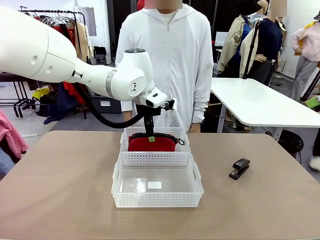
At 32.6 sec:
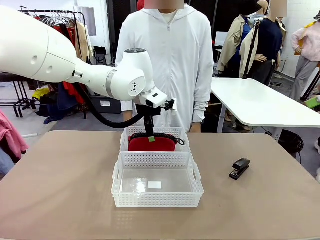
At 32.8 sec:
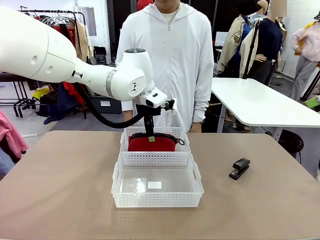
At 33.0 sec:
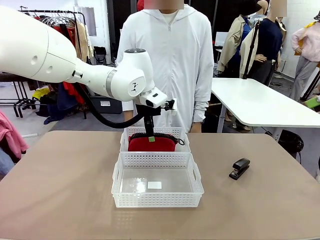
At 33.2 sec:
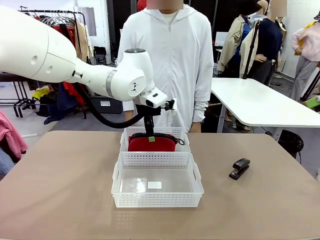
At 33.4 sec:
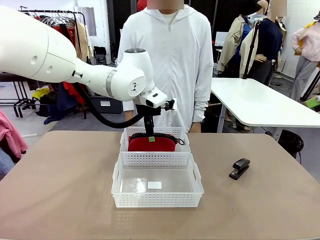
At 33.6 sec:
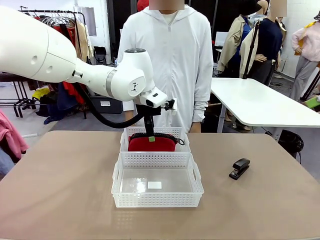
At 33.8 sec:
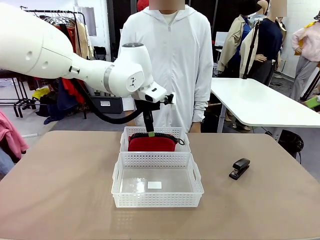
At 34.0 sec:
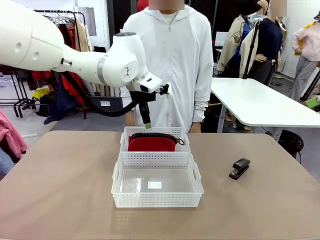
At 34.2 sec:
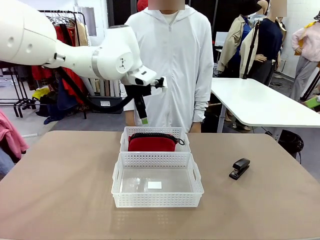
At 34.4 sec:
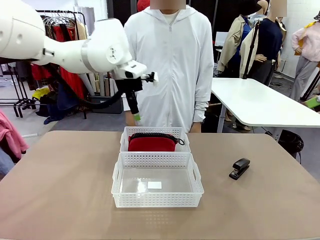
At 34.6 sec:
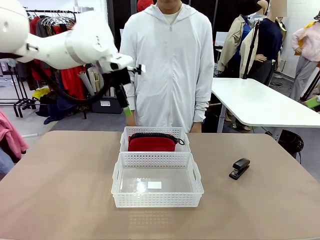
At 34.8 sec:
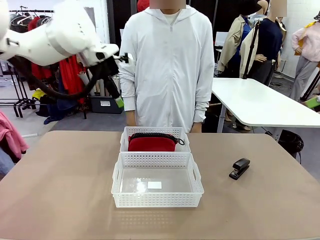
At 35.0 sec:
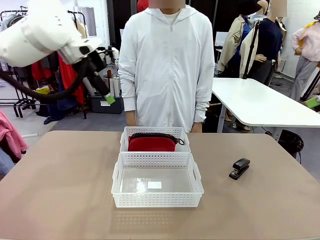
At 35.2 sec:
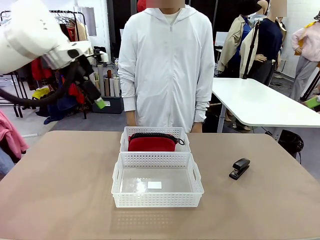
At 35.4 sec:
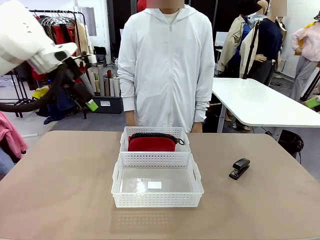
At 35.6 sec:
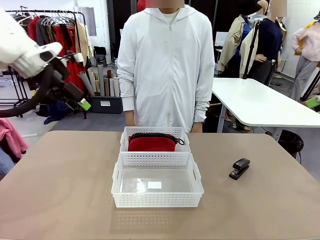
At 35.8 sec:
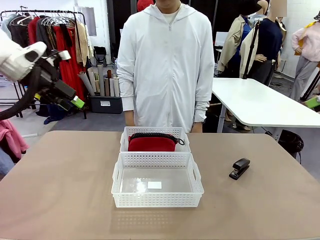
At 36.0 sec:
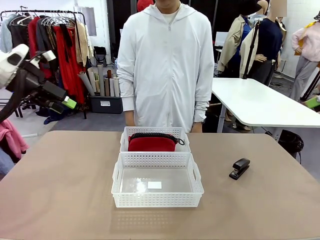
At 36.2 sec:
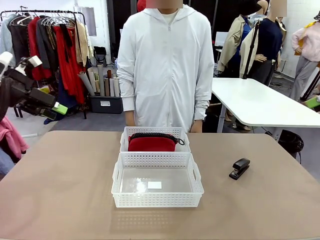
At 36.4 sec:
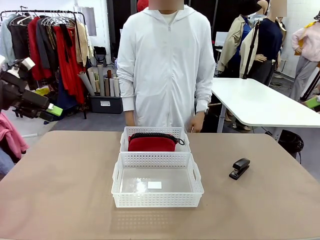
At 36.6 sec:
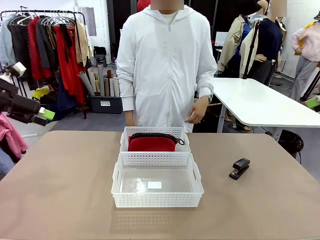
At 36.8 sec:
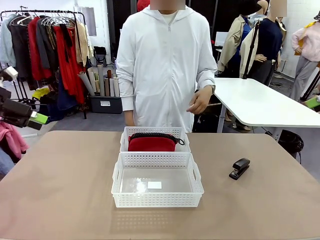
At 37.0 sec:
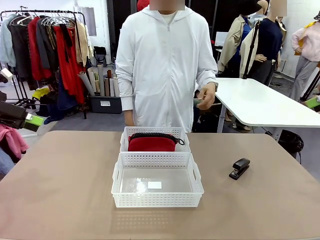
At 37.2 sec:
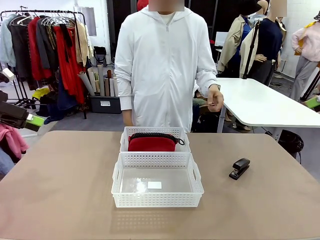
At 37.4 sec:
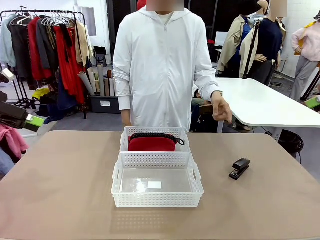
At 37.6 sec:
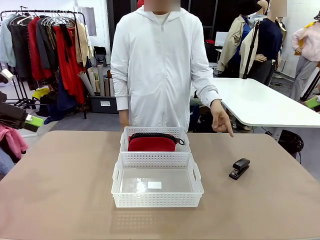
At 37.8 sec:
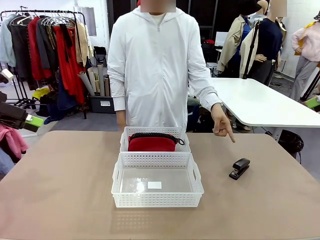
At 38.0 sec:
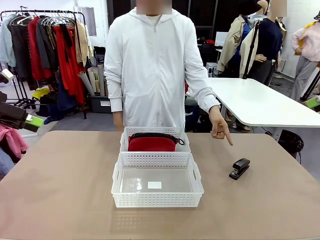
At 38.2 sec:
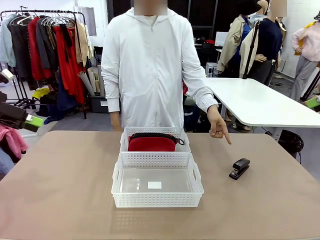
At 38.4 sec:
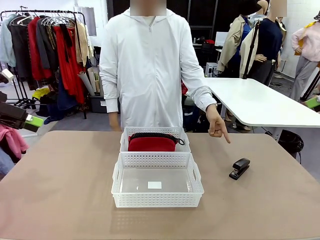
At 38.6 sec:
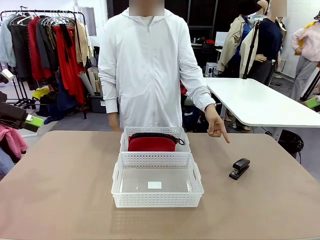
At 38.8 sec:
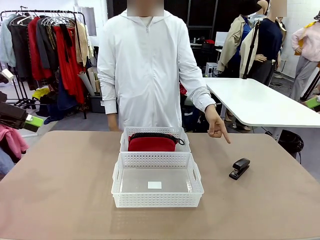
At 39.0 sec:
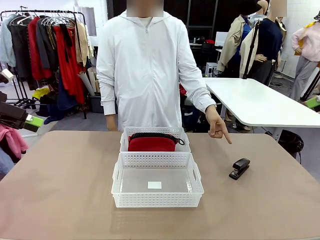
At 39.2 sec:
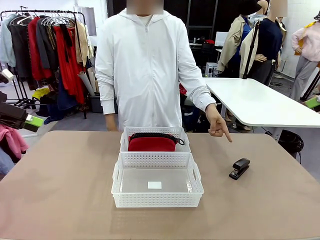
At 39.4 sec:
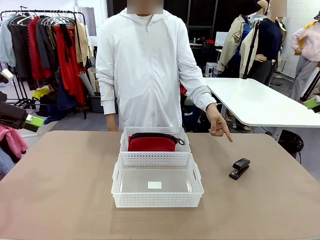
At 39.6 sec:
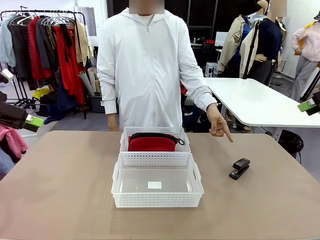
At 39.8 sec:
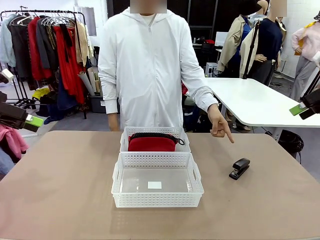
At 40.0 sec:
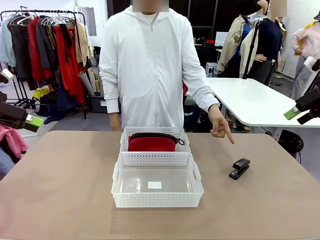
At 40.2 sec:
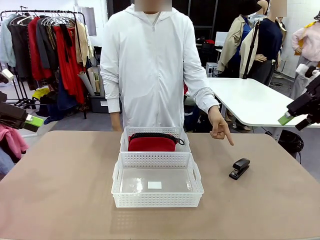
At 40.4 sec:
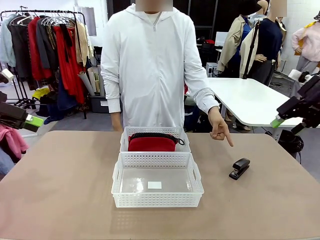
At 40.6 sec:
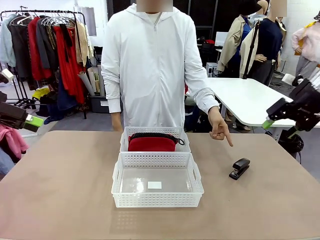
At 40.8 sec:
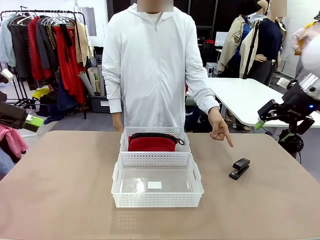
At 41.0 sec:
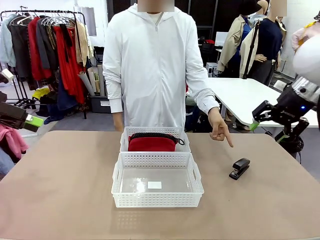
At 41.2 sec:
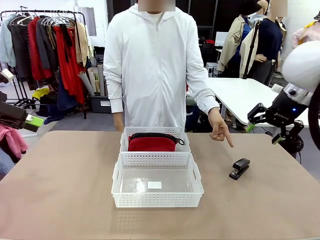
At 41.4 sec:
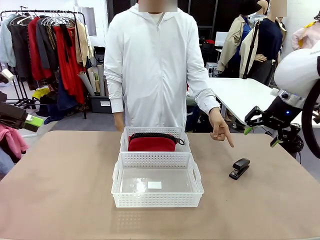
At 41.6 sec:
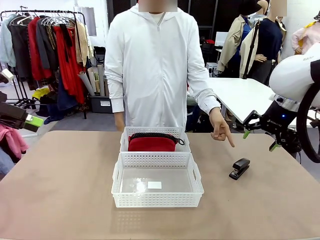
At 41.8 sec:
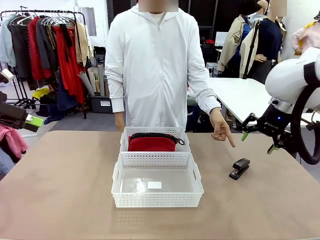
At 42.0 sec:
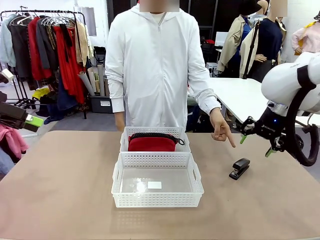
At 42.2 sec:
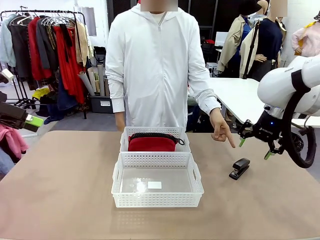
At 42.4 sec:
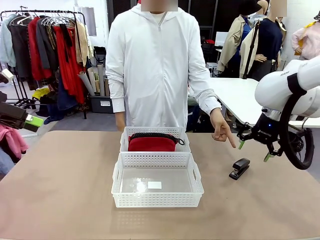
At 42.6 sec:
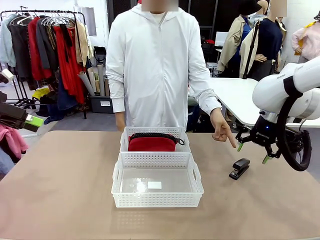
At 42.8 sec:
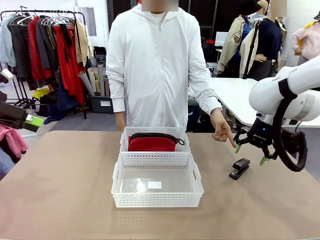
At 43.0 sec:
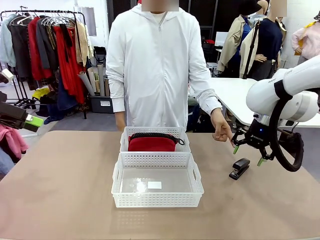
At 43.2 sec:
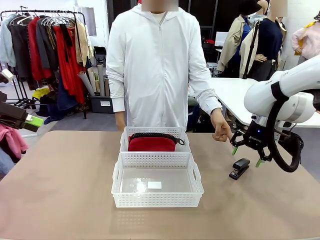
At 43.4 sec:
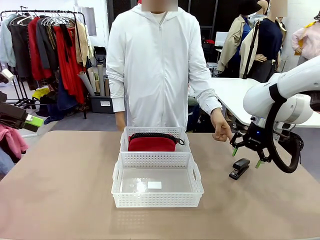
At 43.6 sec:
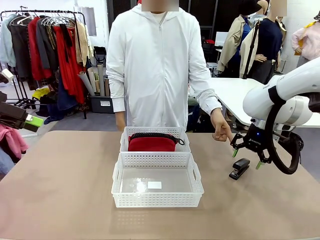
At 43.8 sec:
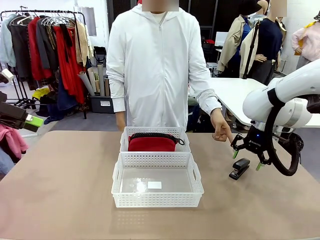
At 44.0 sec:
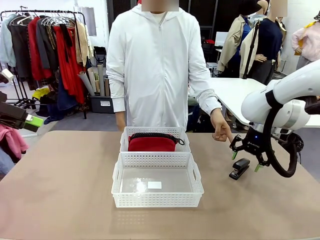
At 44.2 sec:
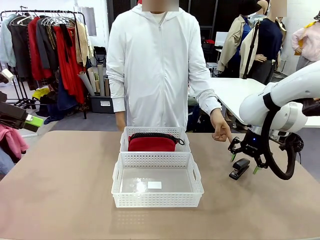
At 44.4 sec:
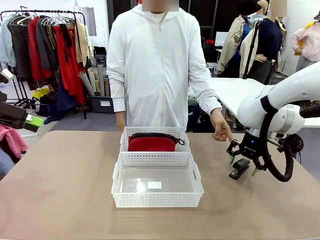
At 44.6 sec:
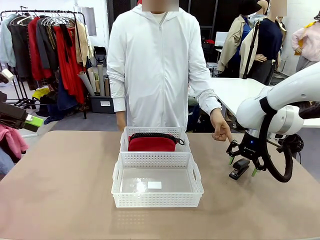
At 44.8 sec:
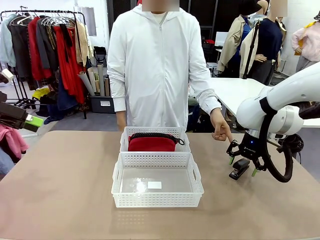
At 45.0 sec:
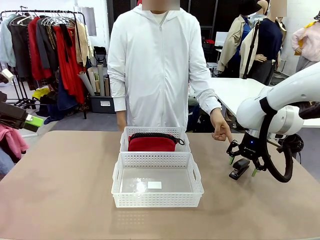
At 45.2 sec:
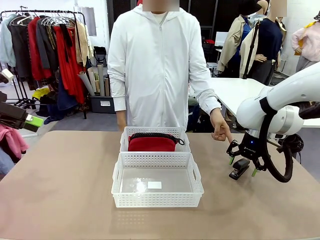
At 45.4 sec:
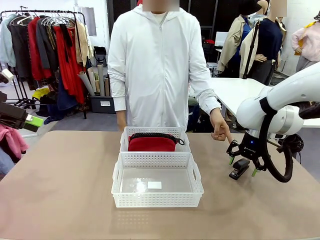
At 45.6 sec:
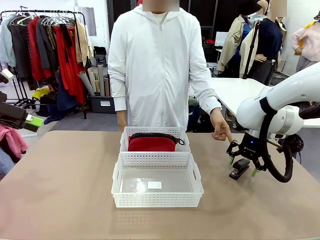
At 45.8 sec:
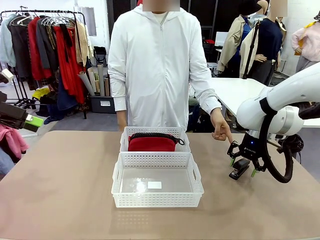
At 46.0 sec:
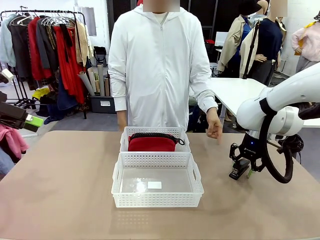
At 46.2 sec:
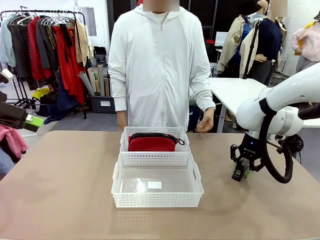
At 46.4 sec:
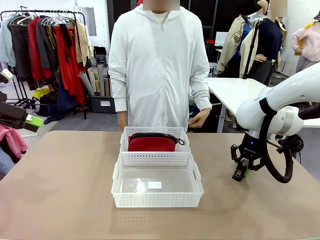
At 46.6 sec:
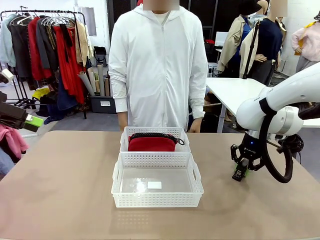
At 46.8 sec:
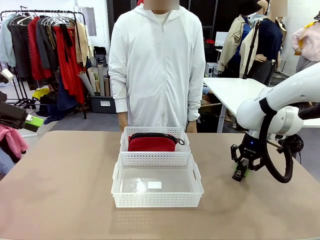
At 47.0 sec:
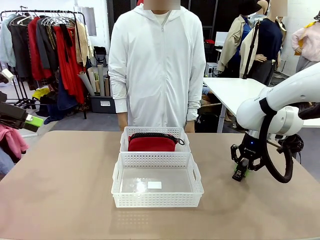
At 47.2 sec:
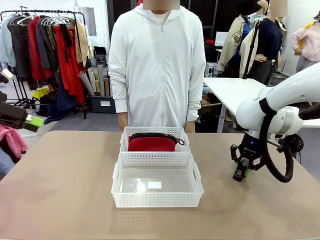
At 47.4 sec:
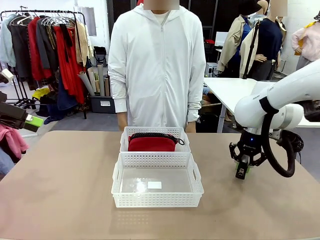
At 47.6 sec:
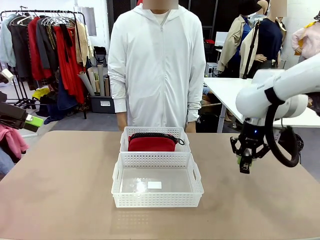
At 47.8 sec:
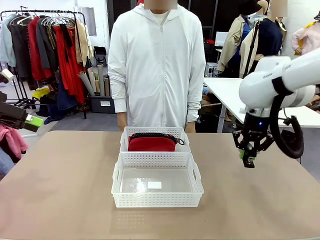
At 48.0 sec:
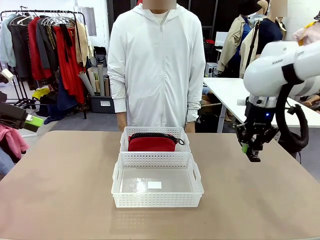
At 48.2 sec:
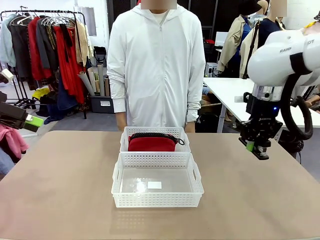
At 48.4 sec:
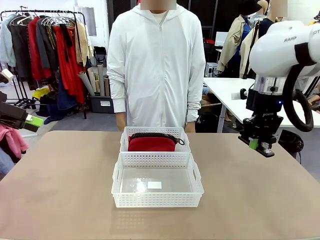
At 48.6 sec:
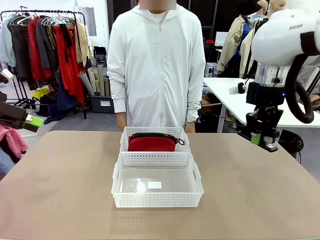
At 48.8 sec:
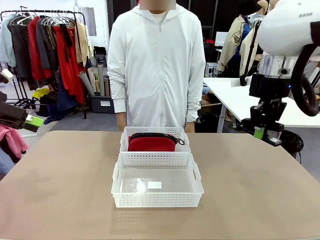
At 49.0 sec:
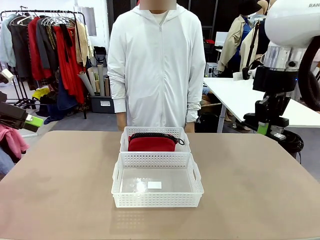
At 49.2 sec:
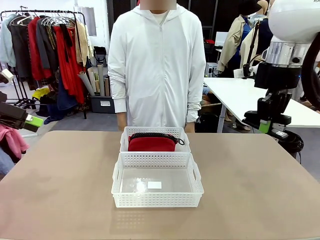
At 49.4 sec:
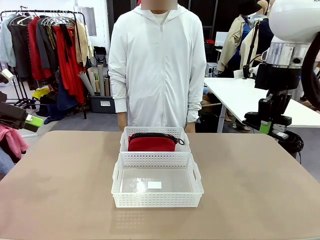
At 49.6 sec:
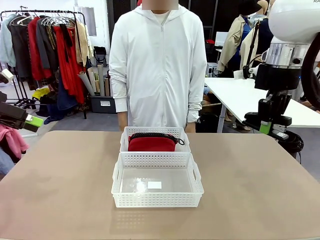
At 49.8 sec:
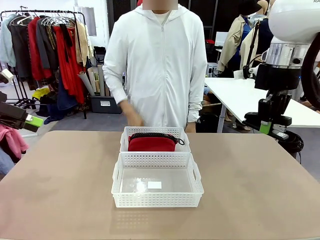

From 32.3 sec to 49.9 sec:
Task: Distribute items into two baskets.
Robot: Pick up the Stapler that the person points to.

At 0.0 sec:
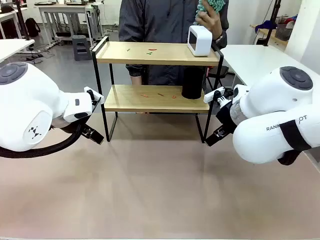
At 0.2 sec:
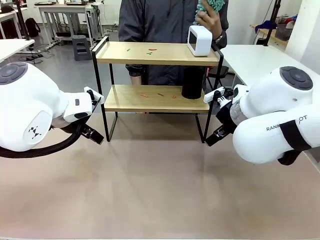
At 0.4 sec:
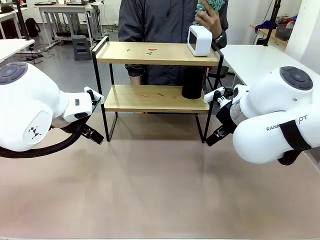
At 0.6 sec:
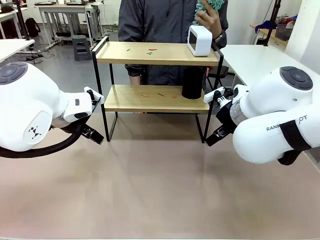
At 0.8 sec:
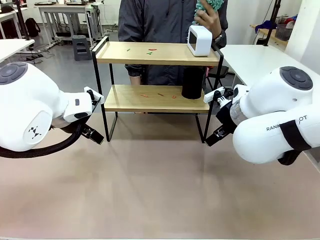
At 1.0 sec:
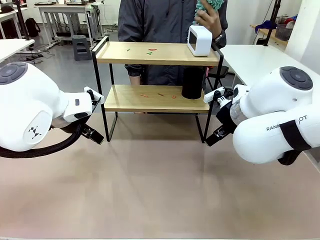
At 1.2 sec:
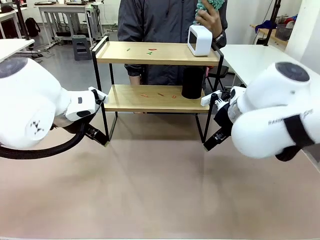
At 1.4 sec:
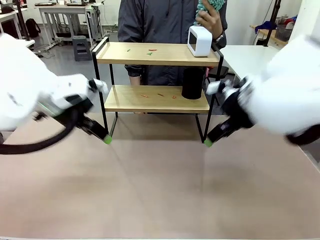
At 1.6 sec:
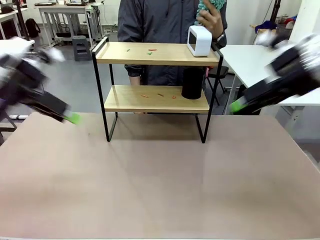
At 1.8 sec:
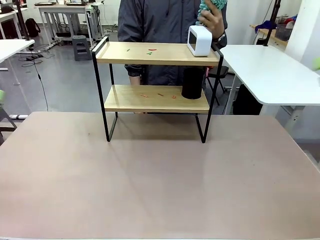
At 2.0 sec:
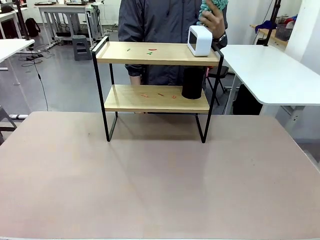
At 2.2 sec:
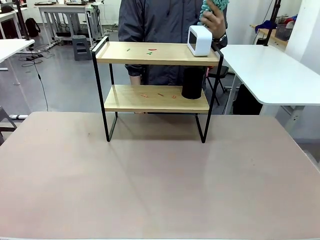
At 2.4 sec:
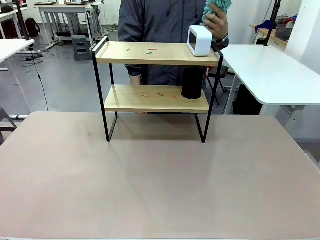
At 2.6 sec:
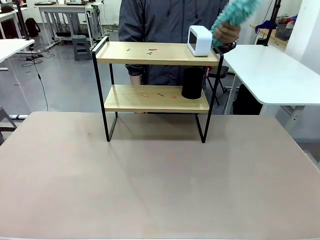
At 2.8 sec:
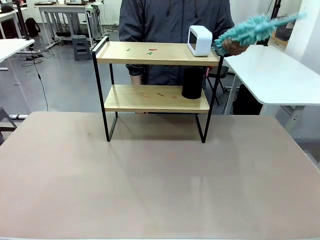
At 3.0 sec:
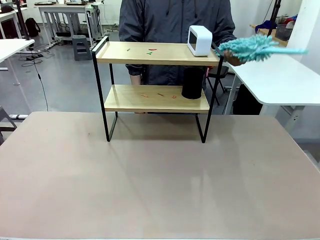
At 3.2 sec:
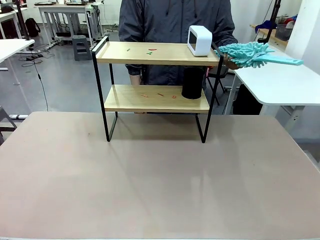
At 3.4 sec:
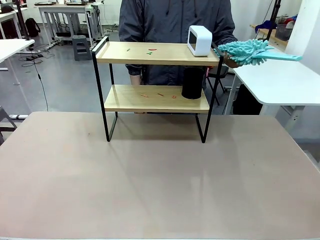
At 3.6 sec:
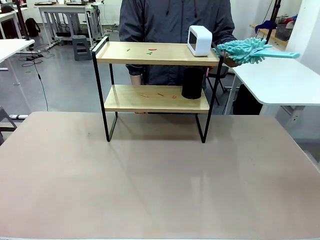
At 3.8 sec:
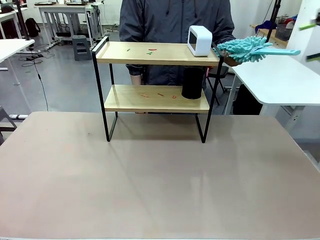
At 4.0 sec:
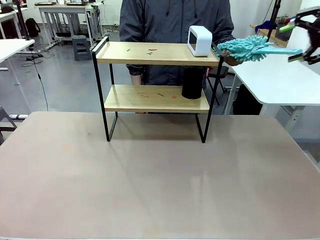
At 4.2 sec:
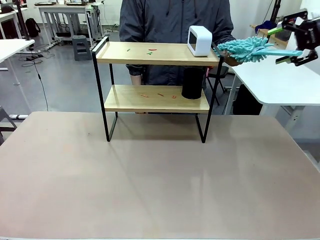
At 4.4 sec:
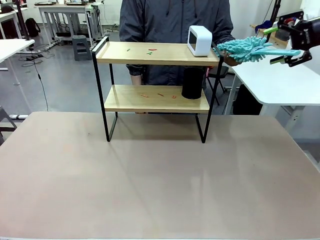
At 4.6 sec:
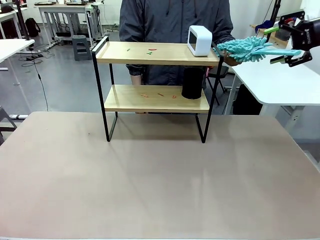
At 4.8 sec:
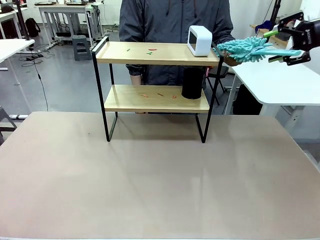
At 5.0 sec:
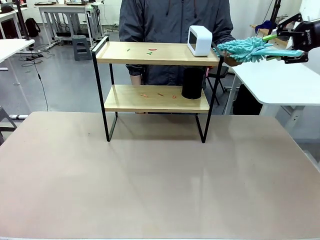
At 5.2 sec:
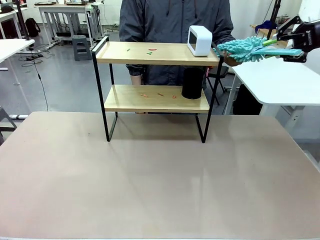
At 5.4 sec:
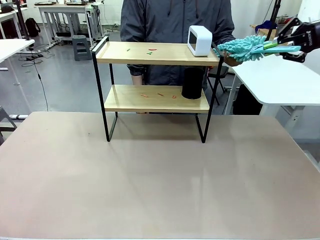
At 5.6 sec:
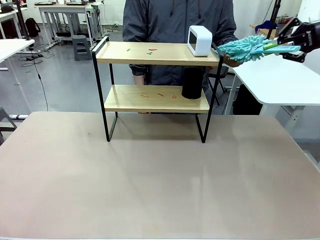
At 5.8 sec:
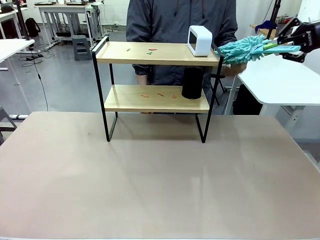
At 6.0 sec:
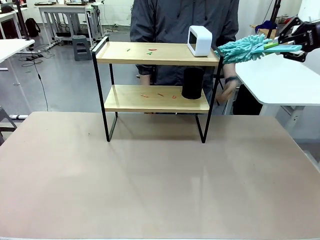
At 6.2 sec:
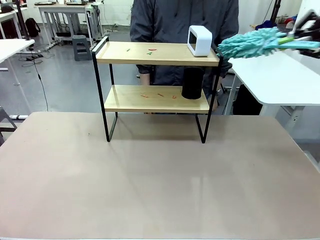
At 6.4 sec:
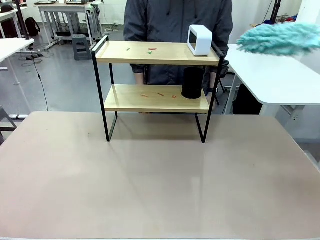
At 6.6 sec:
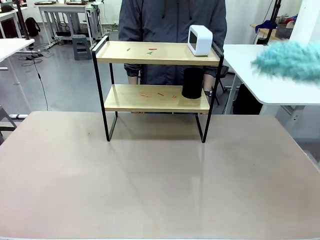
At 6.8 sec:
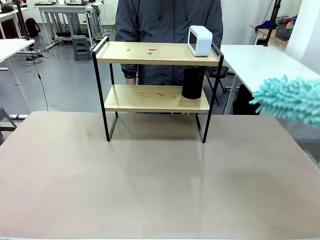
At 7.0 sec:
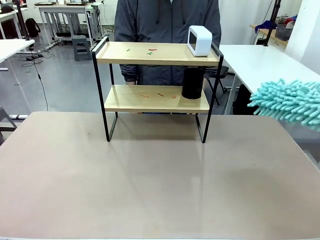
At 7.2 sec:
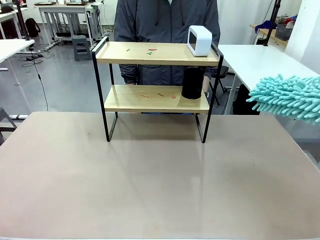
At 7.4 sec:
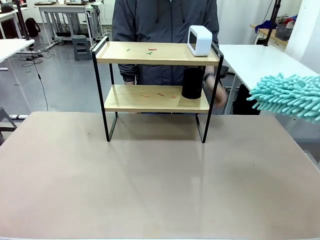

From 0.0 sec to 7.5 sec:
Task: Clean the shelf.
Robot: Pick up the Duster from the human.
Person: Hand the Duster to the robot.
